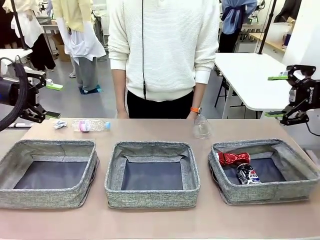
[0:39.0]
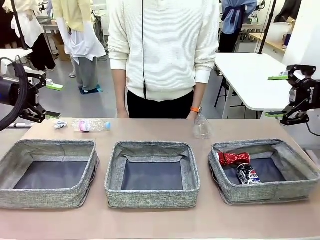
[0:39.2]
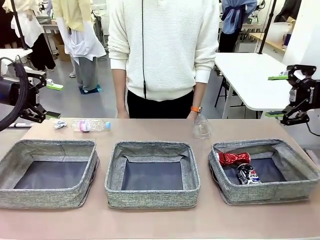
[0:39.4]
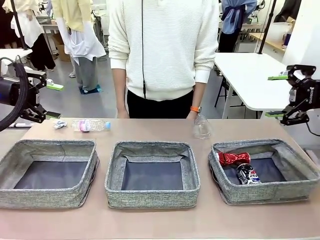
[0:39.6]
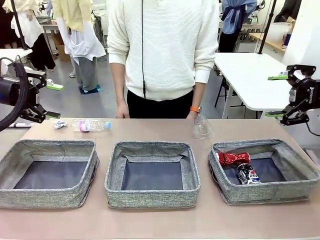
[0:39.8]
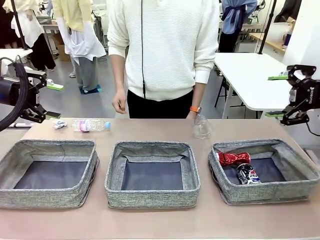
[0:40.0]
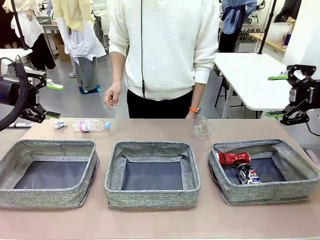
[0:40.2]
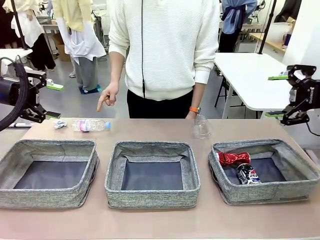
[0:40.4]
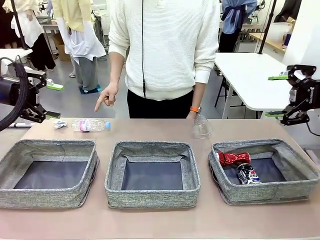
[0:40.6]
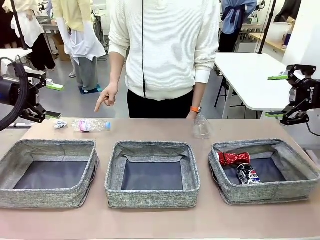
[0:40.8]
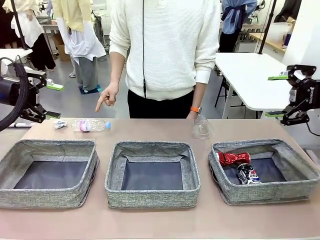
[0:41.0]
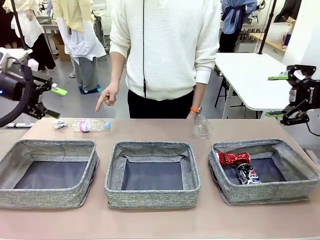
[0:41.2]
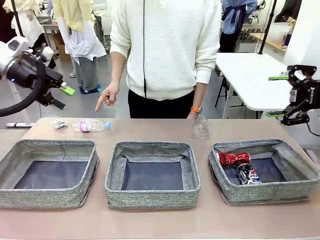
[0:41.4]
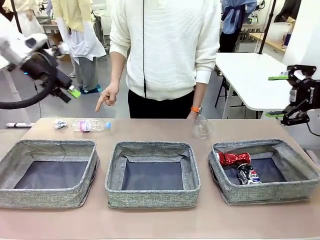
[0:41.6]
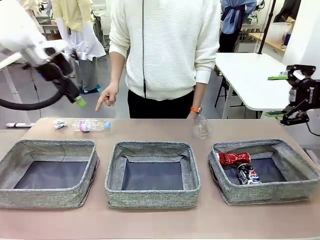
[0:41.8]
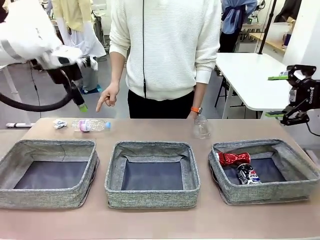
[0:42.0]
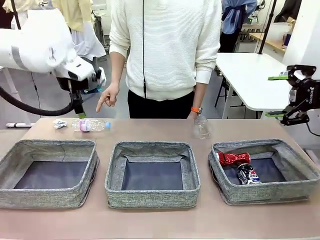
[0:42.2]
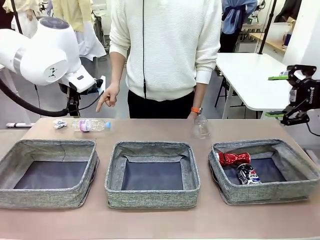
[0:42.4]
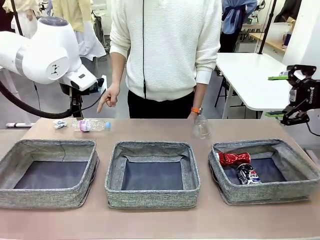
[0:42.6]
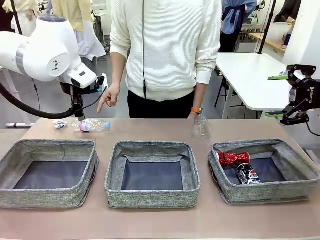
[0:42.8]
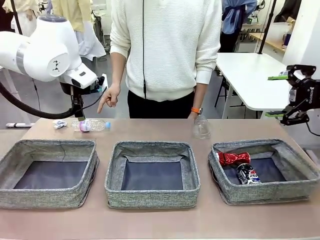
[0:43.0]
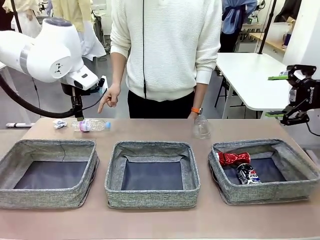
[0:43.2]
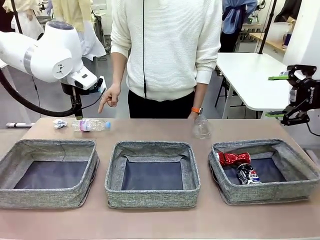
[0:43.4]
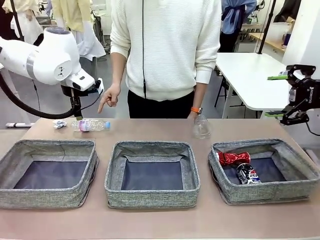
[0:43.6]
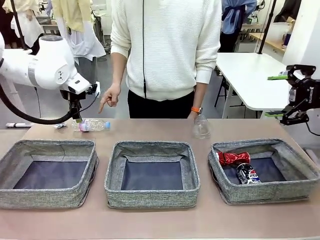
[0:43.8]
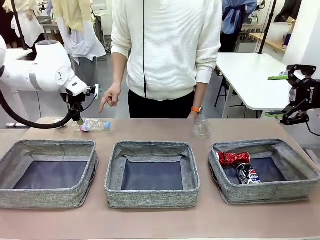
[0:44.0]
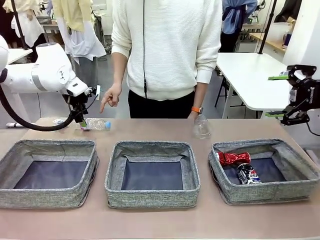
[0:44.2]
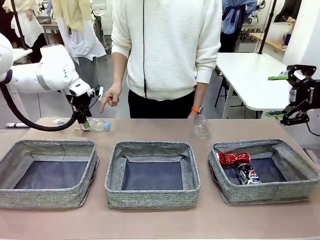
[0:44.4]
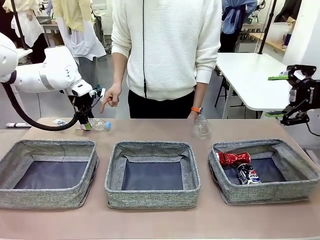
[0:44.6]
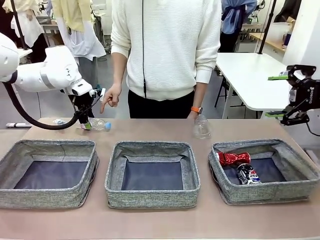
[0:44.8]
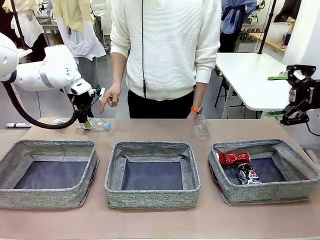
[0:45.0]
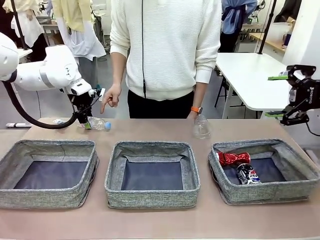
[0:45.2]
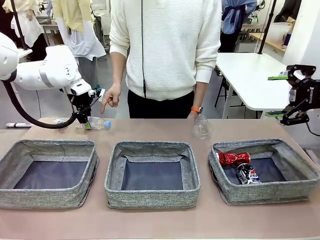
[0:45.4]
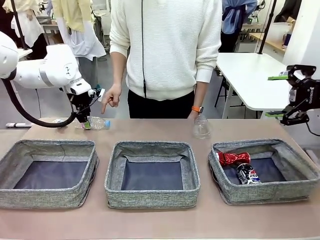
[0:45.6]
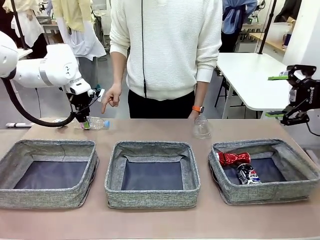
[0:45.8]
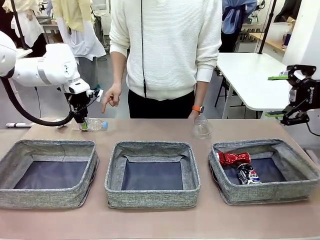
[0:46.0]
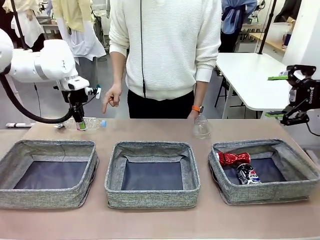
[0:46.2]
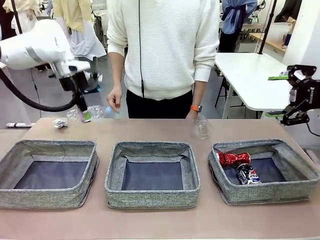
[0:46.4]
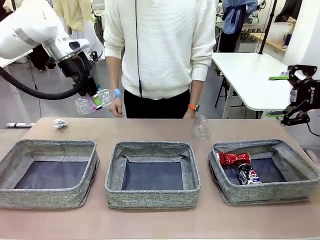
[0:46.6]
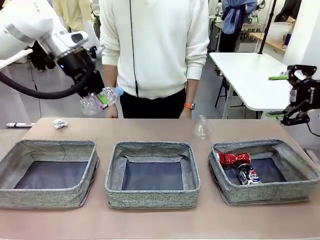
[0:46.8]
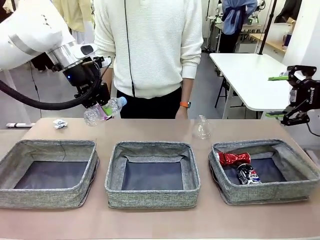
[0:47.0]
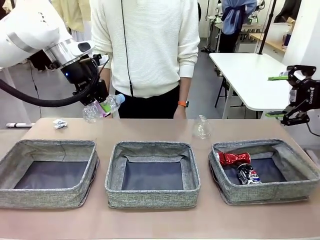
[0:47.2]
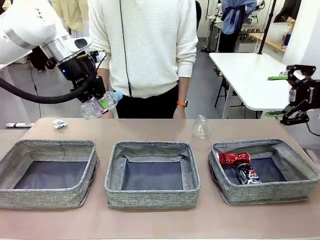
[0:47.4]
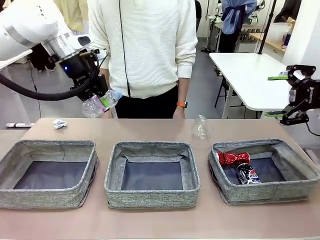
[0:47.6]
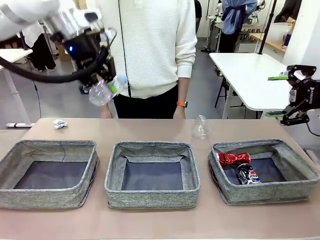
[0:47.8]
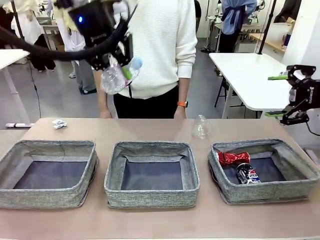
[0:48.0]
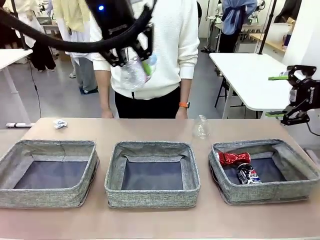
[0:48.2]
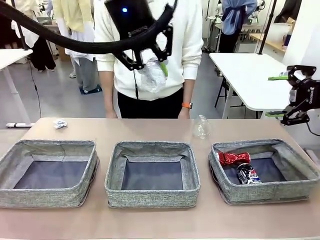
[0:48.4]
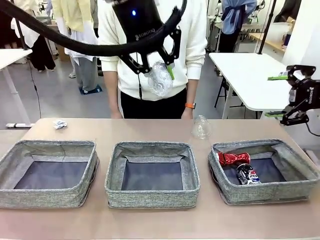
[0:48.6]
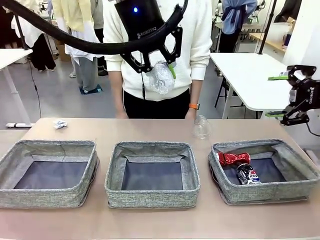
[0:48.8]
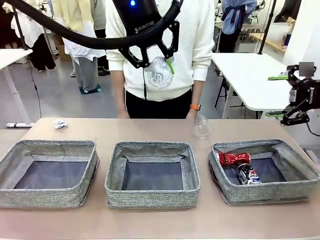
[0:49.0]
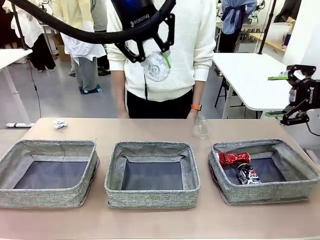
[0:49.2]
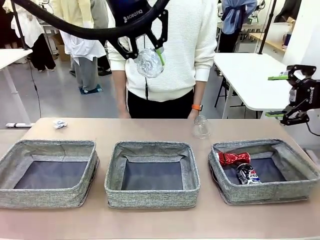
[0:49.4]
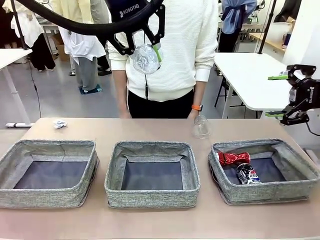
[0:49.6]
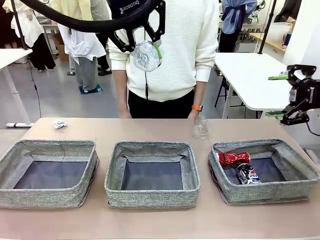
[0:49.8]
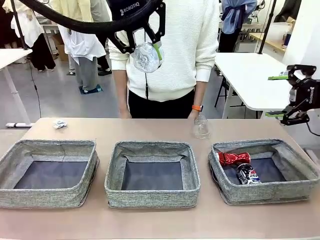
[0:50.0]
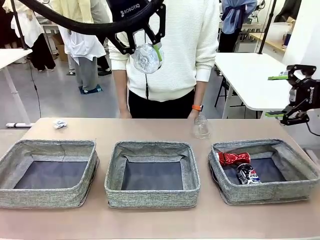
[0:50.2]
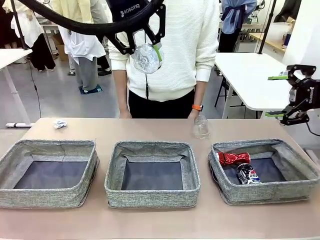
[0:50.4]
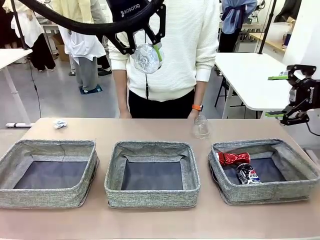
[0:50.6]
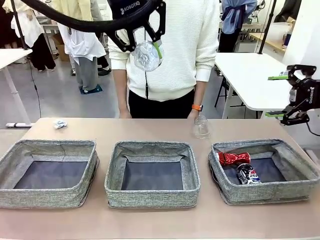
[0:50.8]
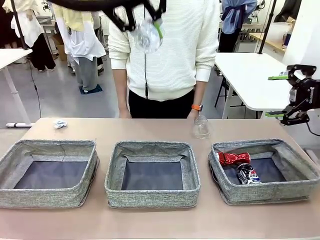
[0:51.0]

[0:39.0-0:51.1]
Task: Sort the waste into the appropriate baskets.
Robot: Pick up the waste item pointed out by the person.
Person: Points to one piece of trash on the table.

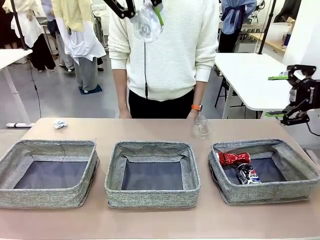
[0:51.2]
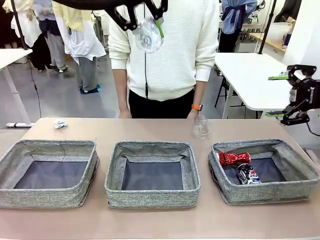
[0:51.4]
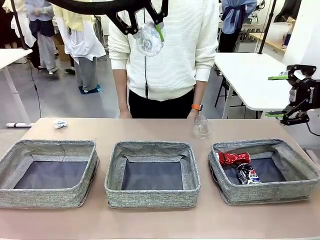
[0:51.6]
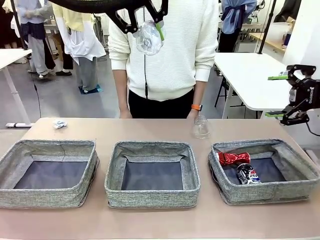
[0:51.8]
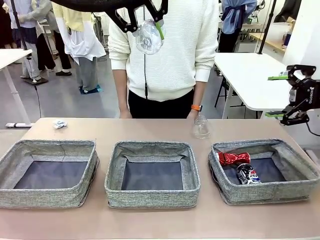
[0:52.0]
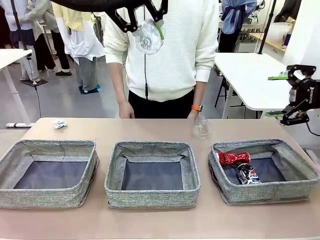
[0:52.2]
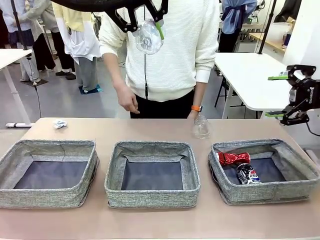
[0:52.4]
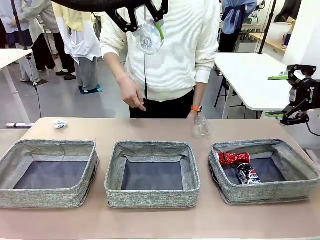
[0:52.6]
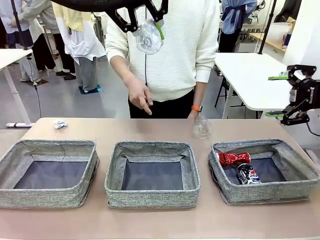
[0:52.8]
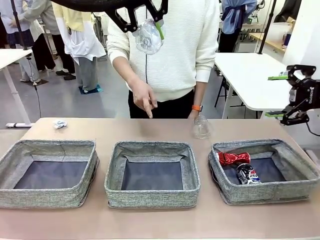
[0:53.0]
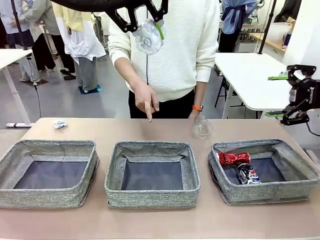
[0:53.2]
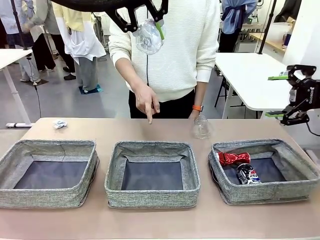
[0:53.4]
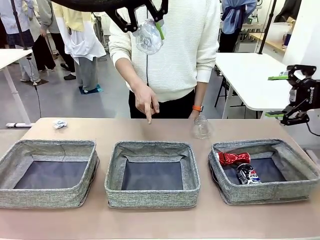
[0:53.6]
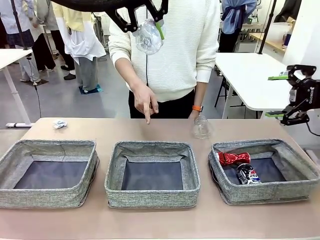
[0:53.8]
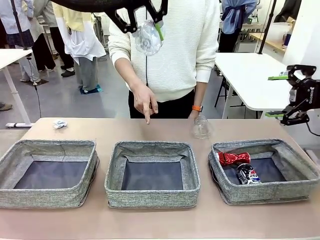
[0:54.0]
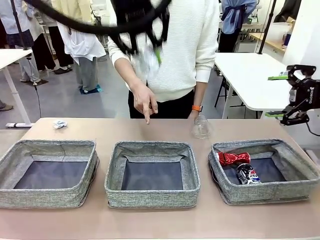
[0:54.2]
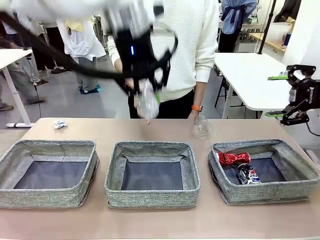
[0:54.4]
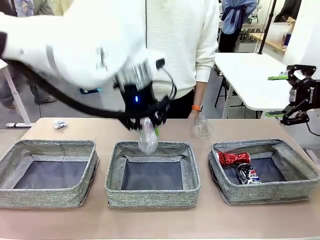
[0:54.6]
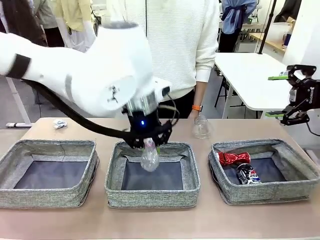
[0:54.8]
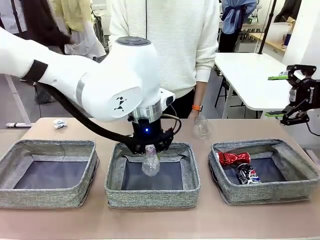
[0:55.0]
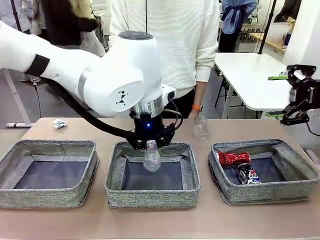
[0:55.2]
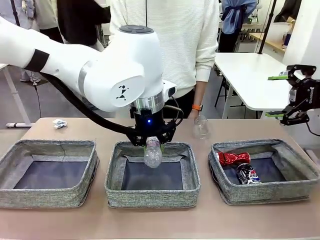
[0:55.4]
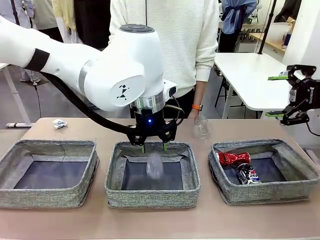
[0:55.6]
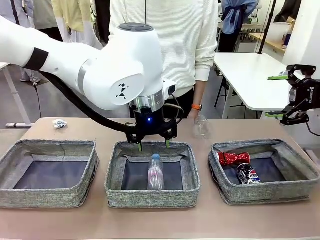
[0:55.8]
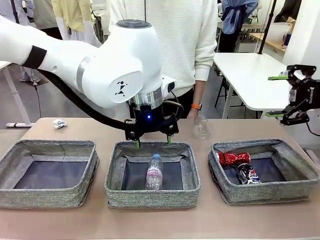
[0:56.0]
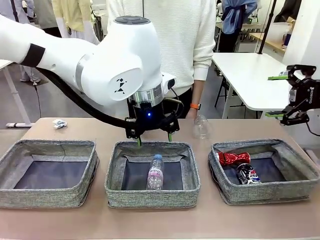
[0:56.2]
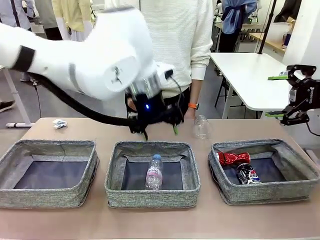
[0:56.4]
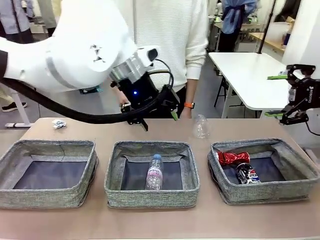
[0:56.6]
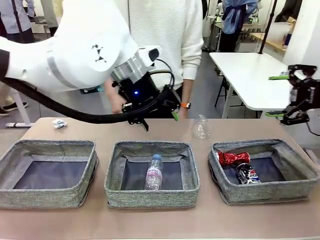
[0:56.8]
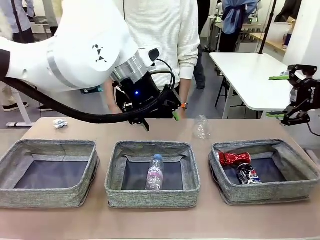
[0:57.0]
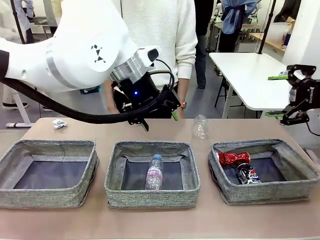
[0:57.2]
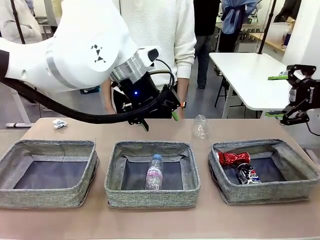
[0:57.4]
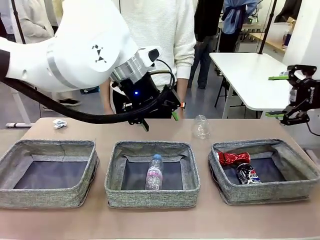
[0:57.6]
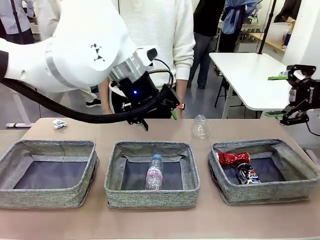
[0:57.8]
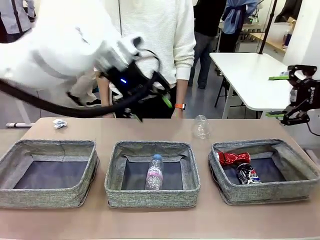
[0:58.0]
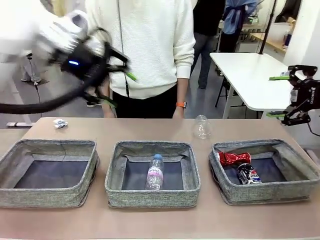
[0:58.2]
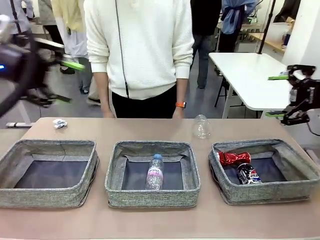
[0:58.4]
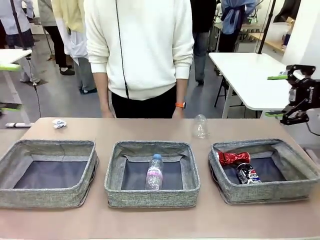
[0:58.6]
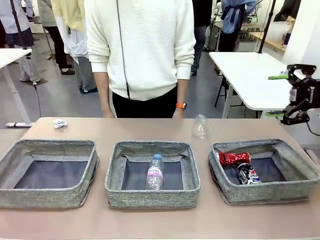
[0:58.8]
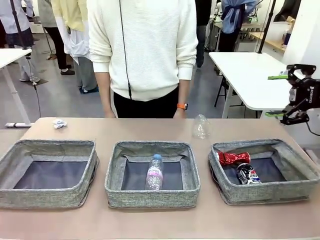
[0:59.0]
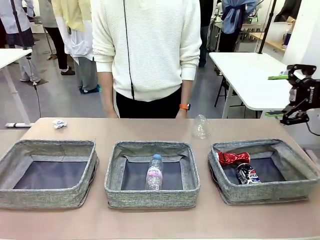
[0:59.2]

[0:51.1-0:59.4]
Robot: Place the picked waste into the Fabric basket indicated by the person.
Person: Instructs the robot to place the picked-up trash into the appropriate organizing basket.
